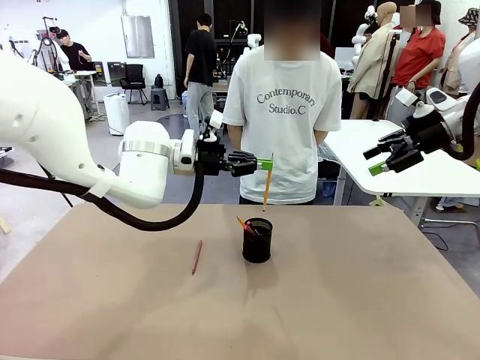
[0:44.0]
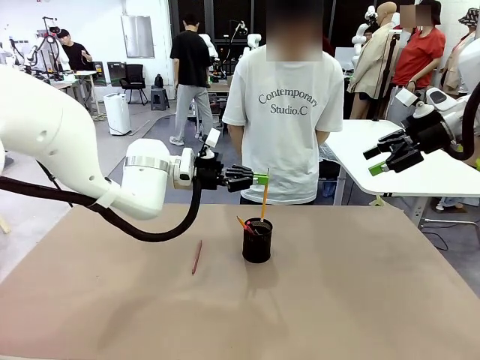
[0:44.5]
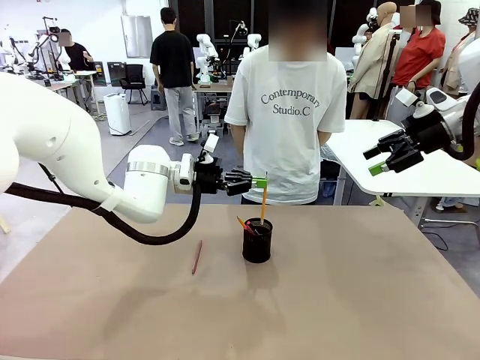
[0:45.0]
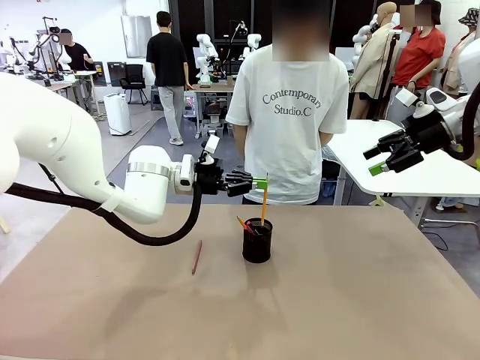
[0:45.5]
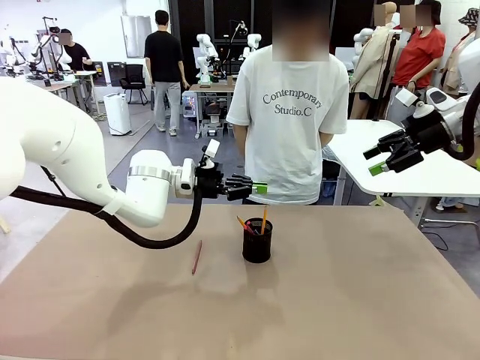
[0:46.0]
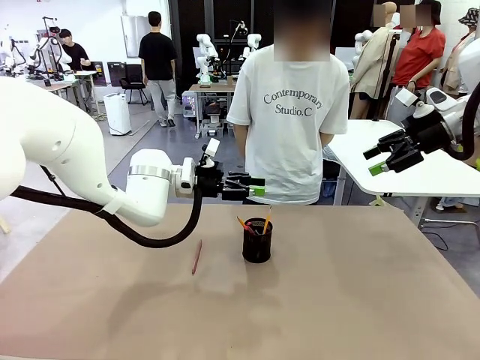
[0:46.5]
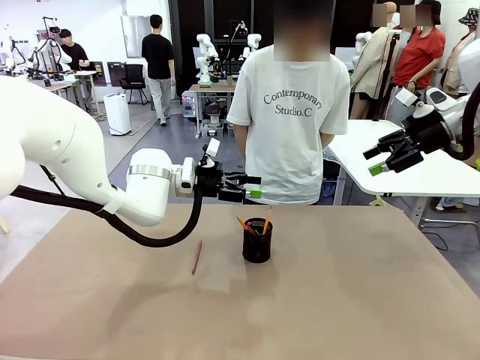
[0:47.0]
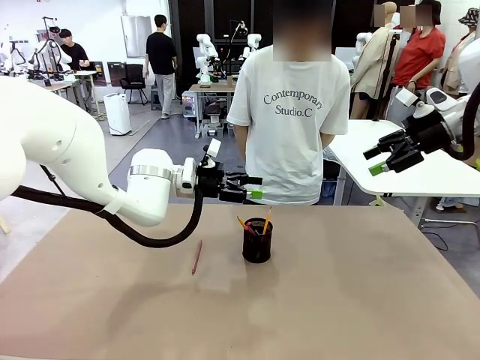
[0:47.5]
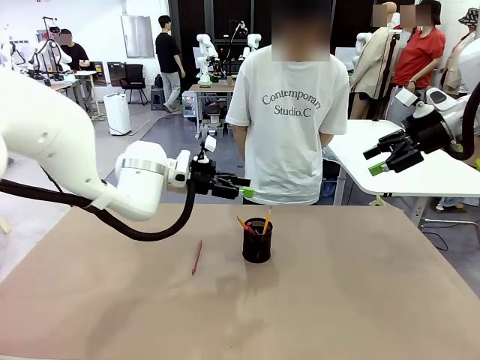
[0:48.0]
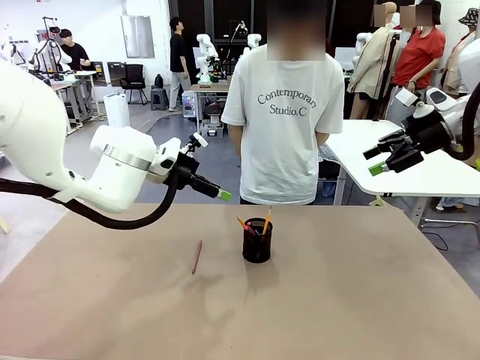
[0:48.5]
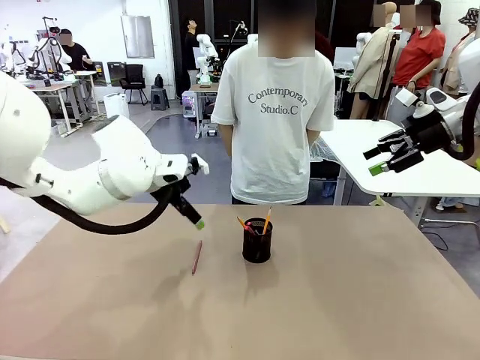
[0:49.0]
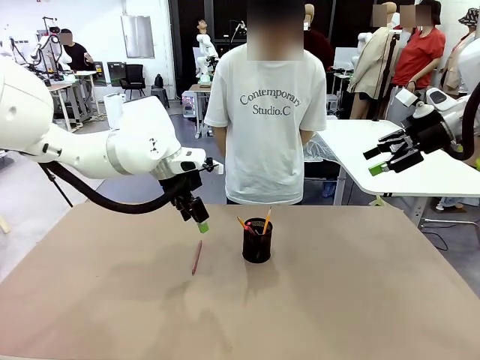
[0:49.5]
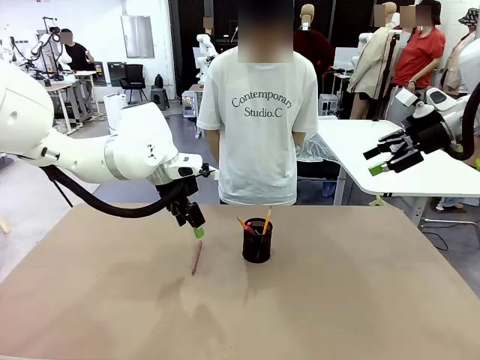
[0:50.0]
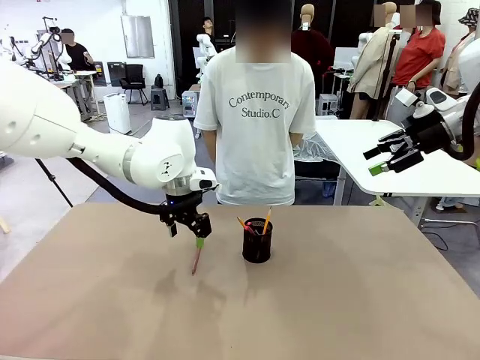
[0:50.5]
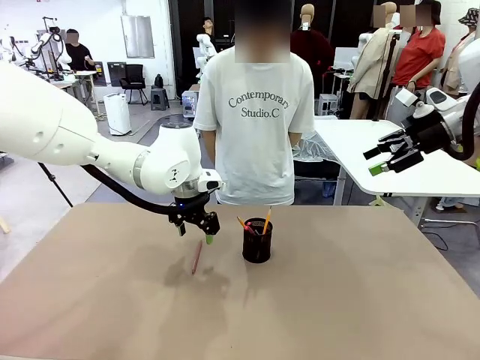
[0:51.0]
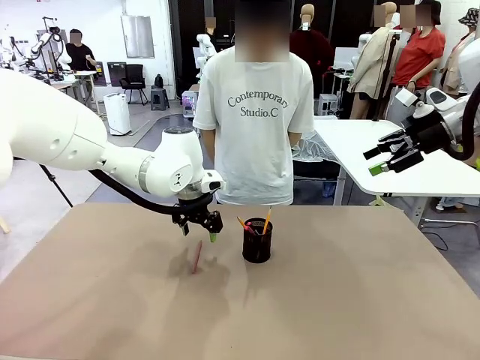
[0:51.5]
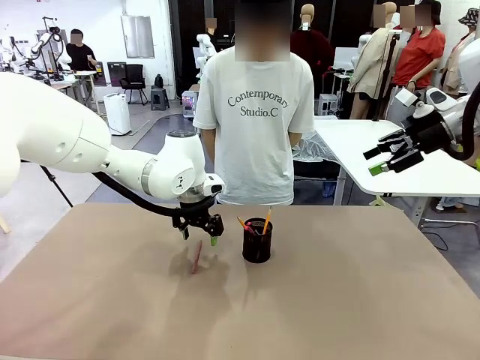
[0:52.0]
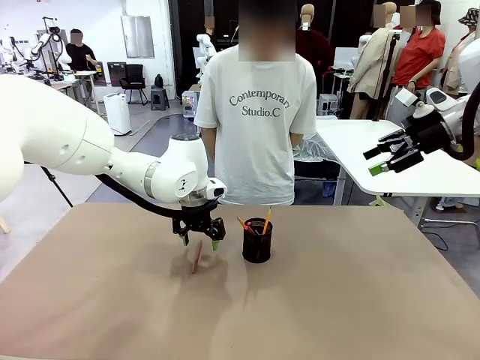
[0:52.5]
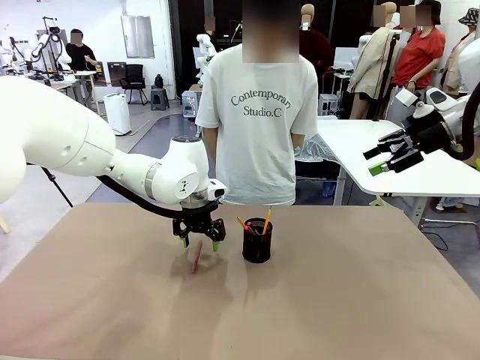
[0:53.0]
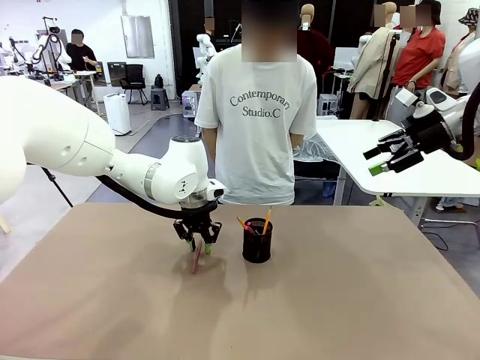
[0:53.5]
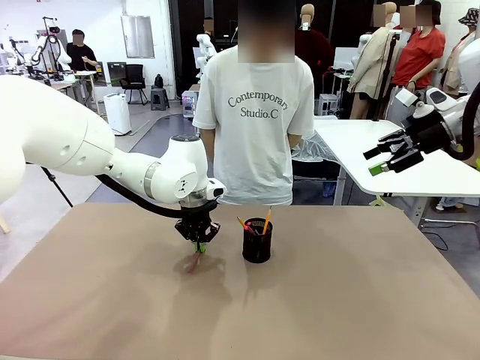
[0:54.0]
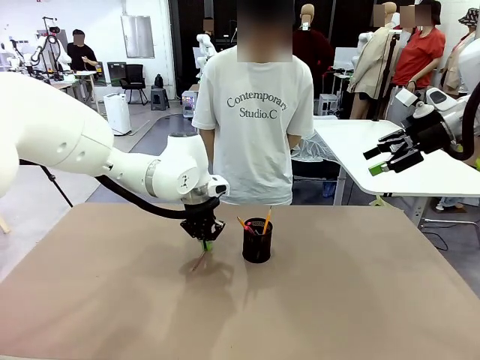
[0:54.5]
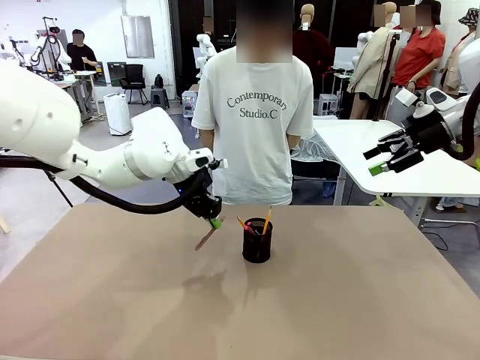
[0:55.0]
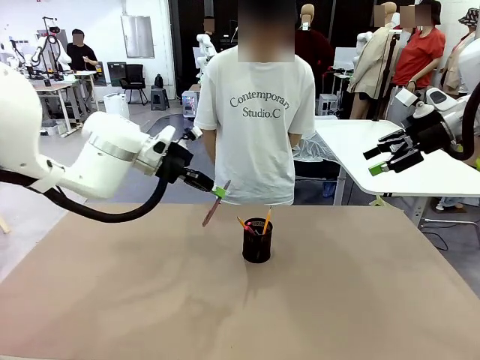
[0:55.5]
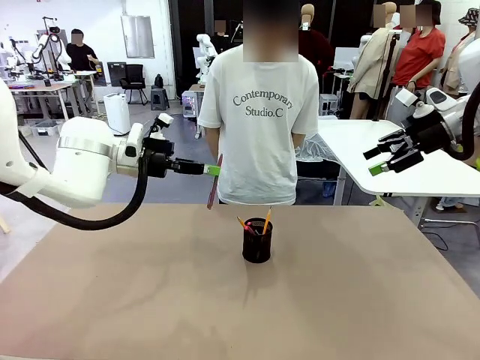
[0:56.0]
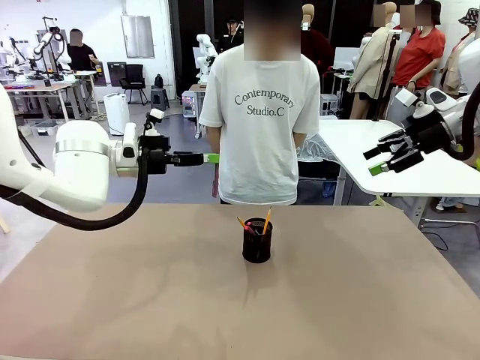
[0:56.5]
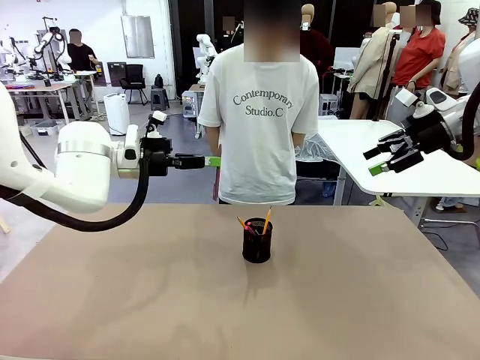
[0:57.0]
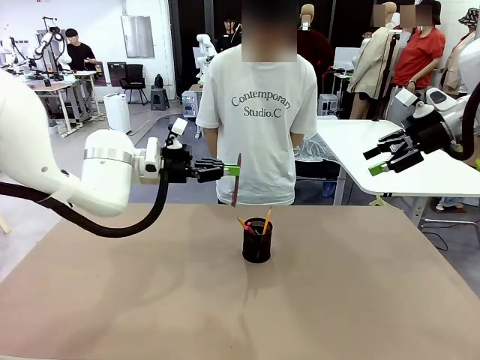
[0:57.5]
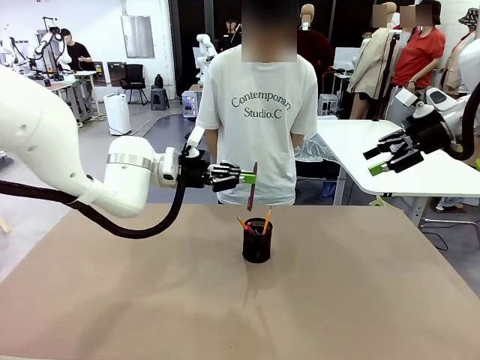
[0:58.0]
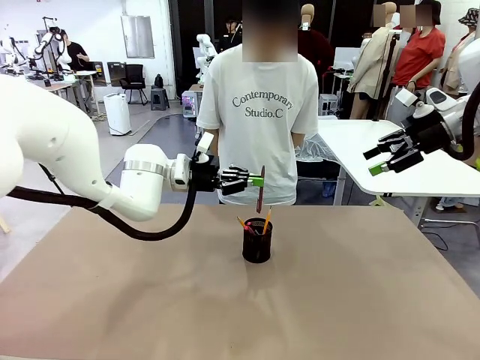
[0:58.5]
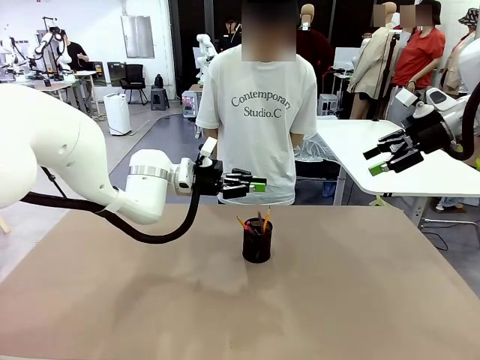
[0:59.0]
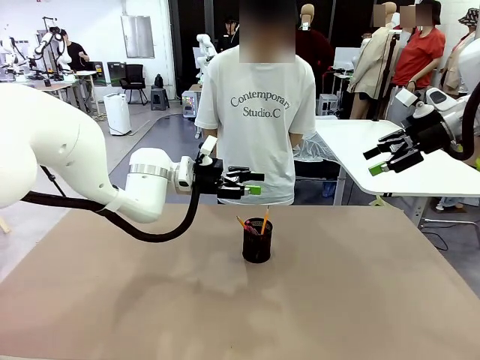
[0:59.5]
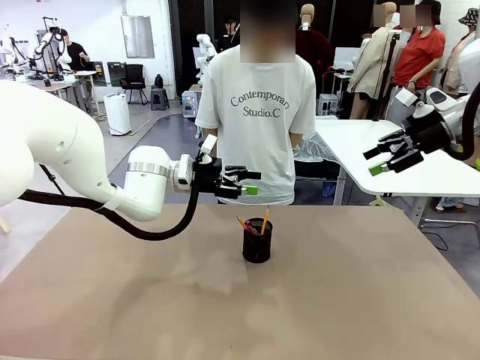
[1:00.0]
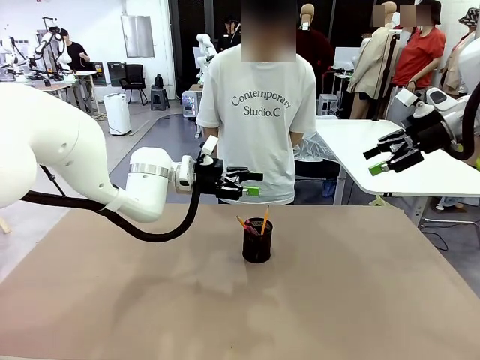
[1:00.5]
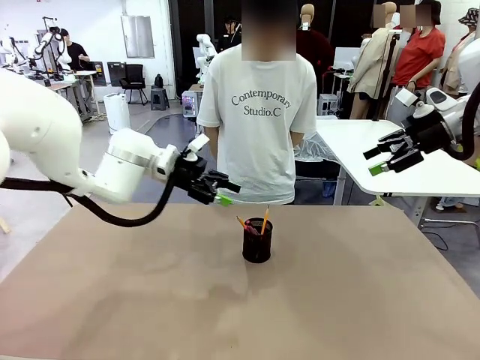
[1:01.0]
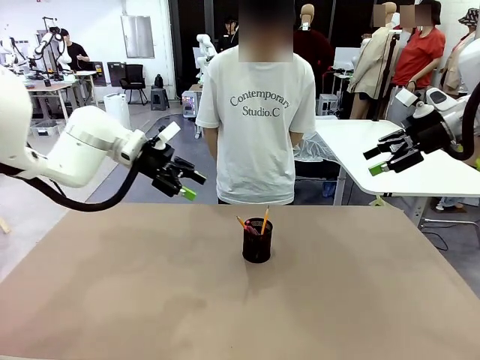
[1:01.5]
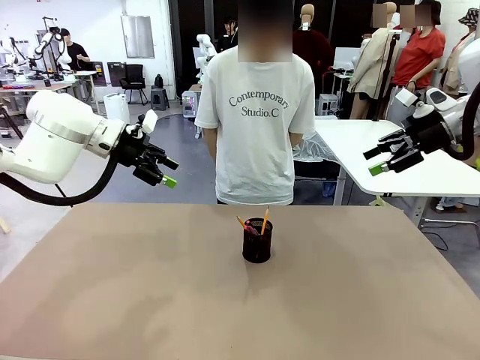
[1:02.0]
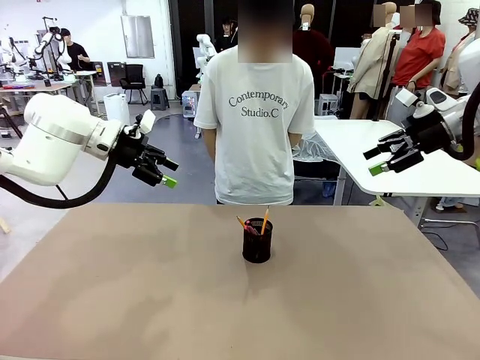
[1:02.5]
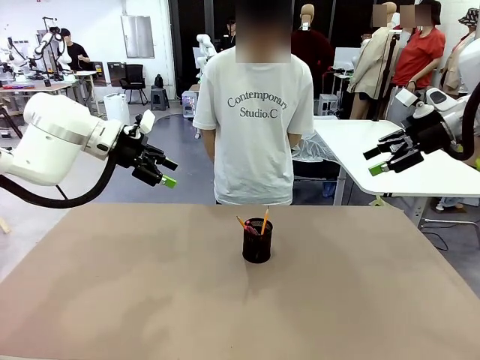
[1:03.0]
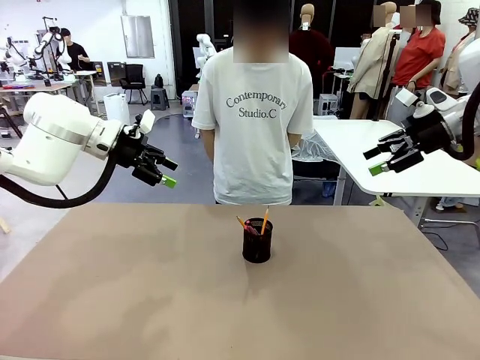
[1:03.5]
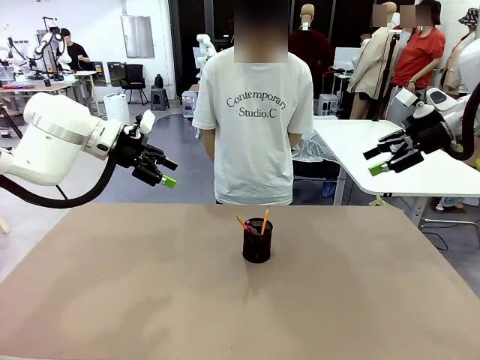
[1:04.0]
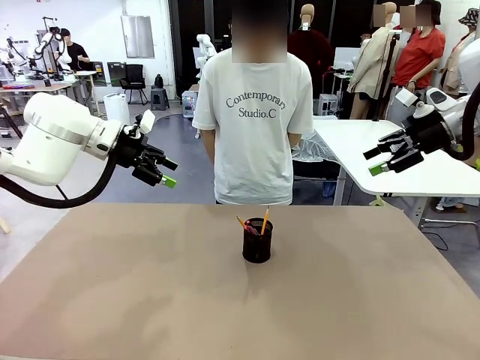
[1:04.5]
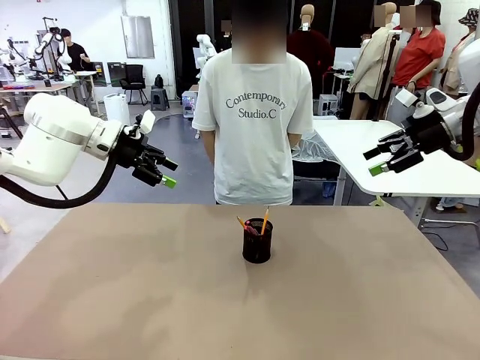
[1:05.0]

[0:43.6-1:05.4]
Task: Place the pens into the pen holder.
Robot: Pick up a writing instrument from the table and place it into the Pen holder.

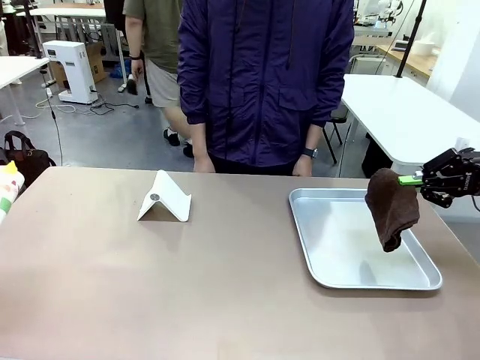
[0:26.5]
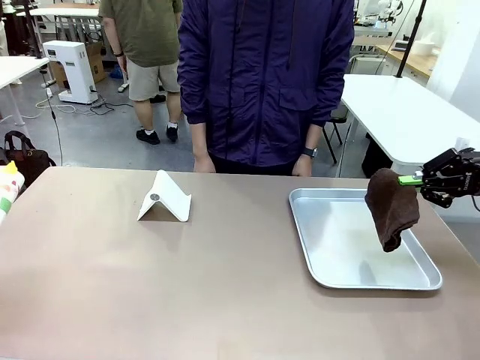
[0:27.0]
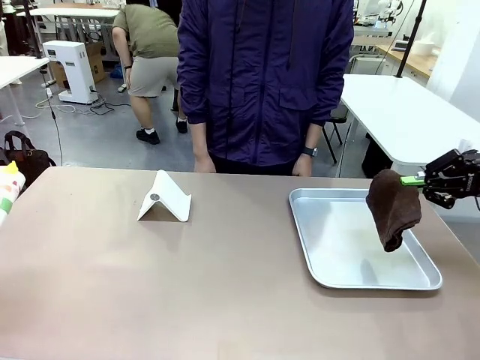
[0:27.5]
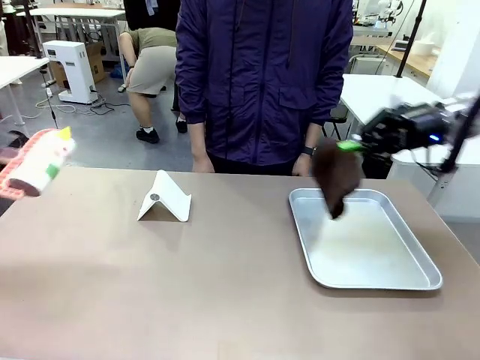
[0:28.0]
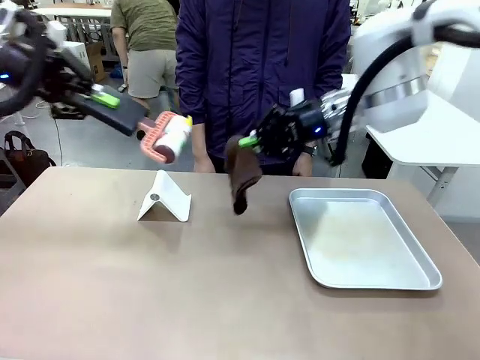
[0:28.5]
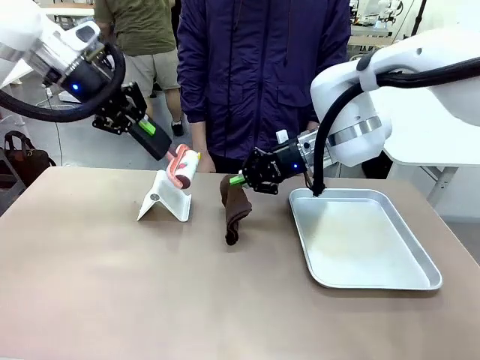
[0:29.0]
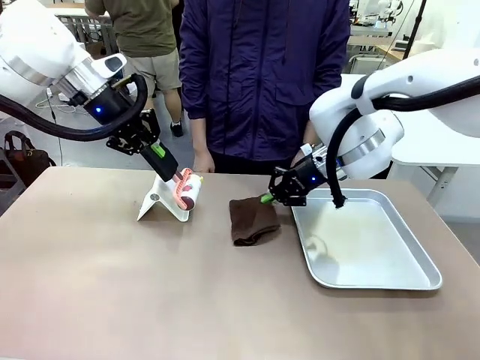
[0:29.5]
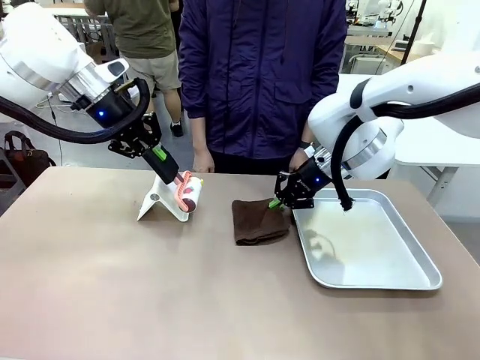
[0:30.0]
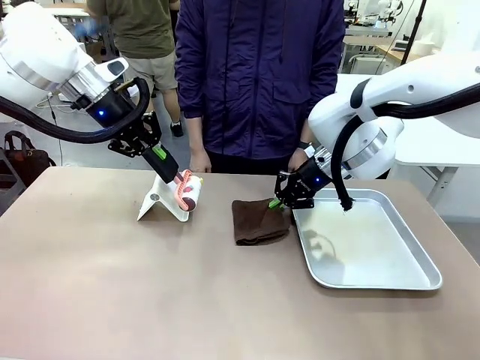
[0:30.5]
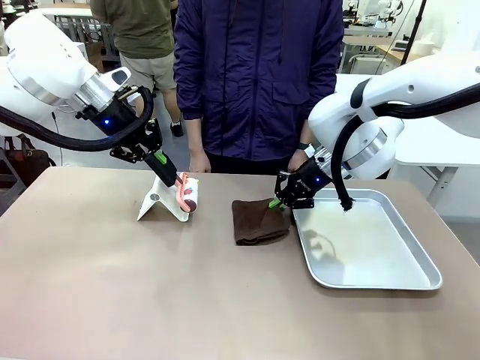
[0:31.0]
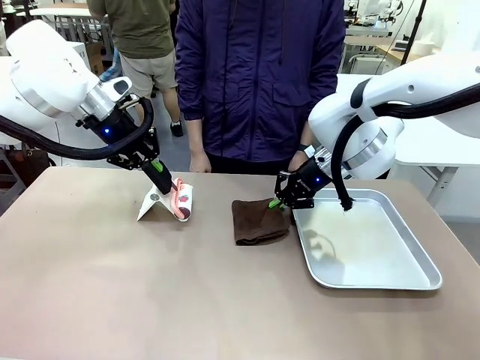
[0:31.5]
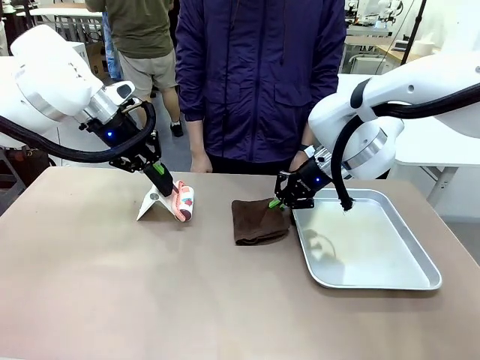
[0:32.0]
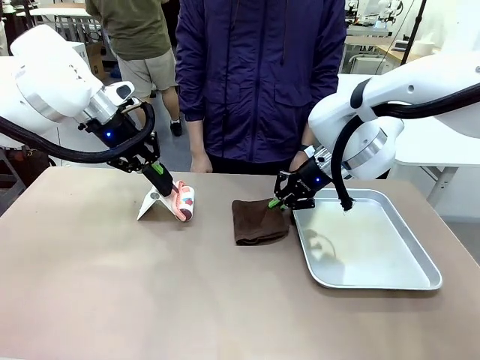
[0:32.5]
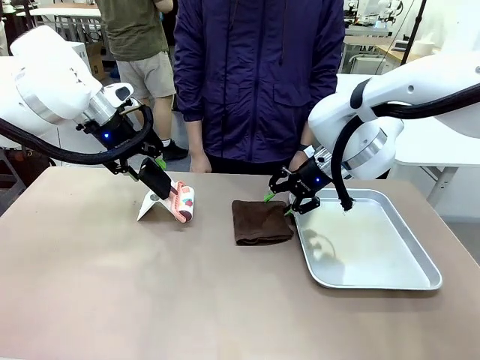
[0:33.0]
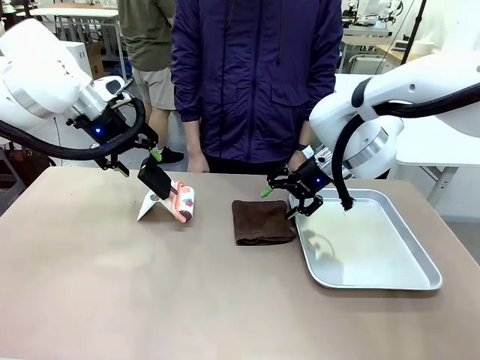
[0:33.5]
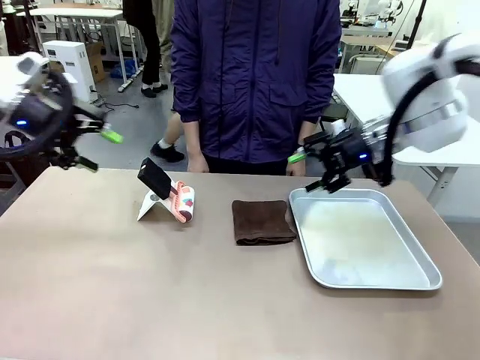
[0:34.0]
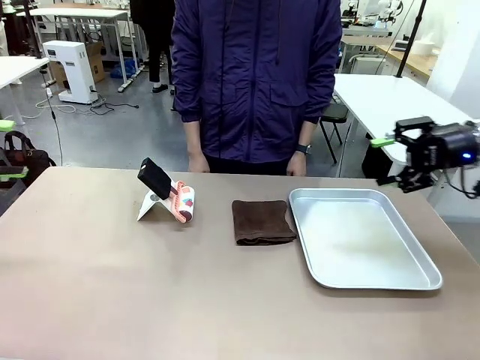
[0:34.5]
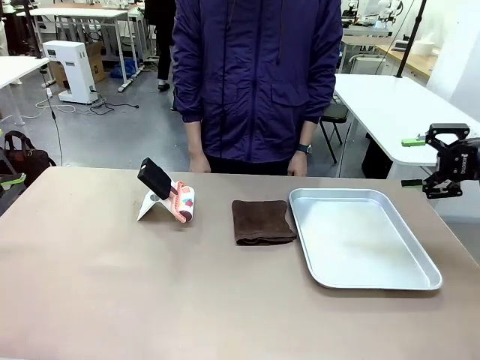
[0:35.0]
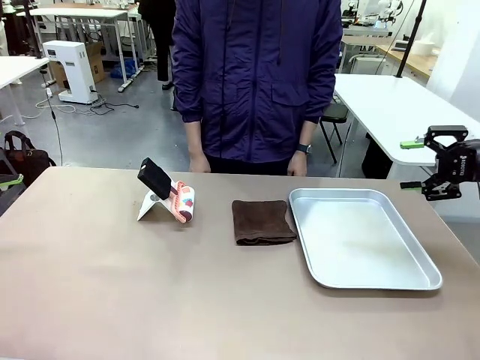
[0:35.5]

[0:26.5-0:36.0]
Task: Clean the surface of the table.
Robot: Return the Lint Roller and towel to their original positions.
